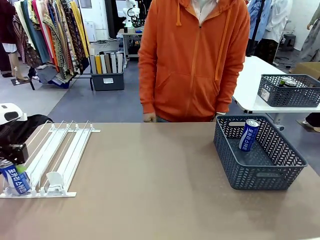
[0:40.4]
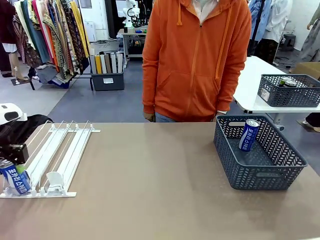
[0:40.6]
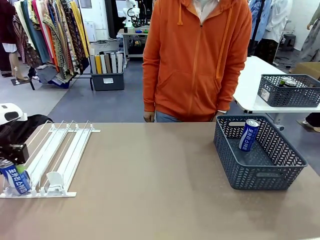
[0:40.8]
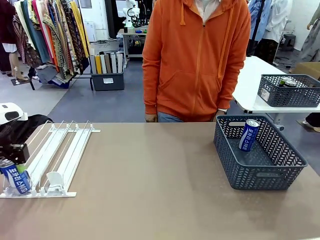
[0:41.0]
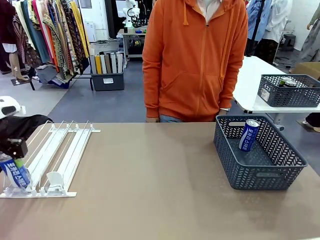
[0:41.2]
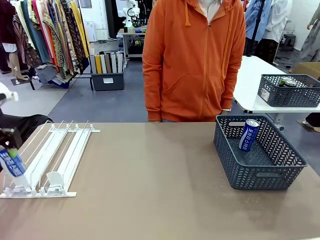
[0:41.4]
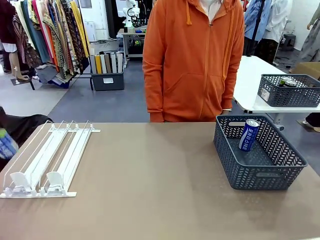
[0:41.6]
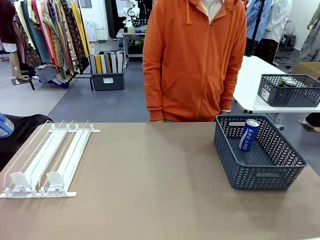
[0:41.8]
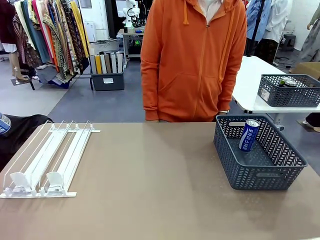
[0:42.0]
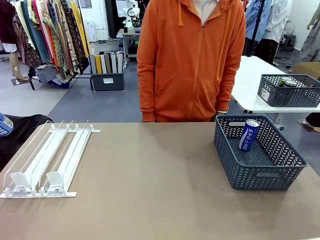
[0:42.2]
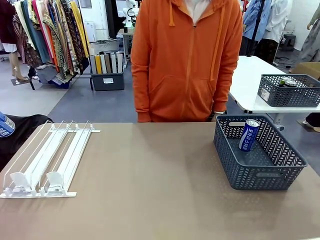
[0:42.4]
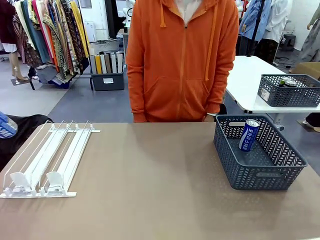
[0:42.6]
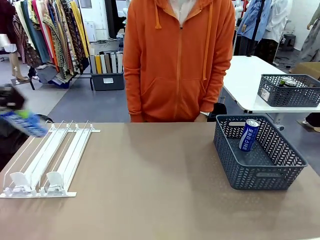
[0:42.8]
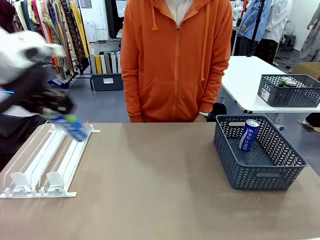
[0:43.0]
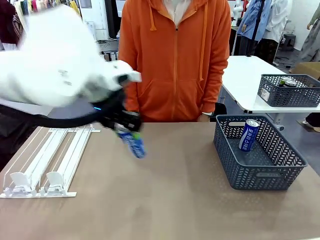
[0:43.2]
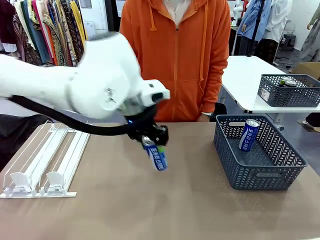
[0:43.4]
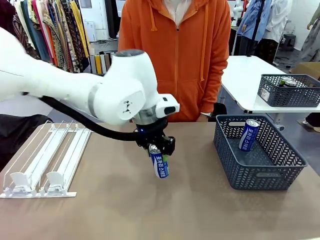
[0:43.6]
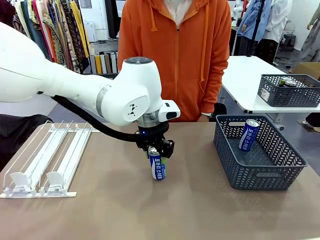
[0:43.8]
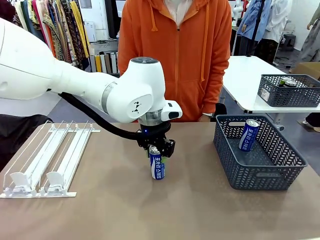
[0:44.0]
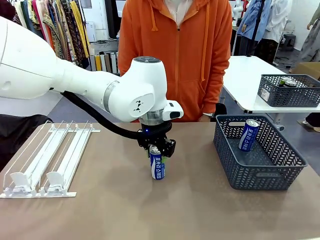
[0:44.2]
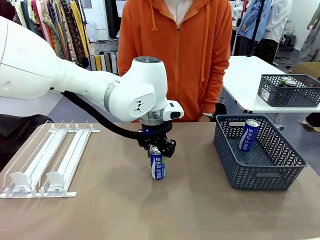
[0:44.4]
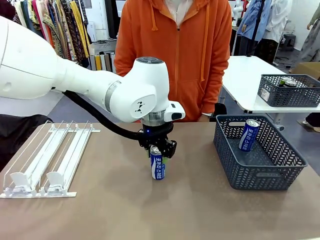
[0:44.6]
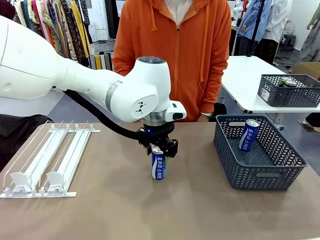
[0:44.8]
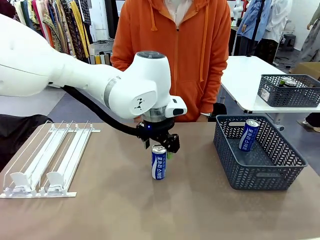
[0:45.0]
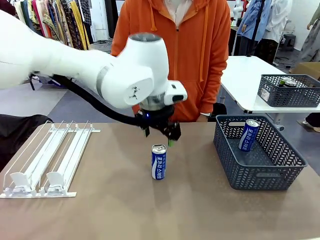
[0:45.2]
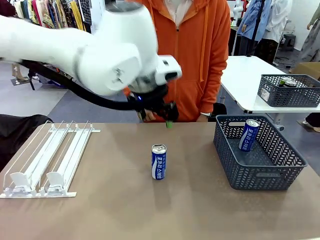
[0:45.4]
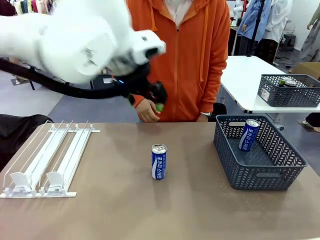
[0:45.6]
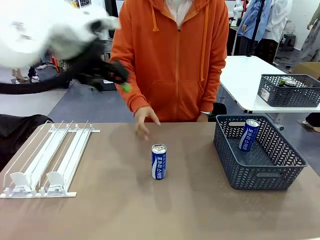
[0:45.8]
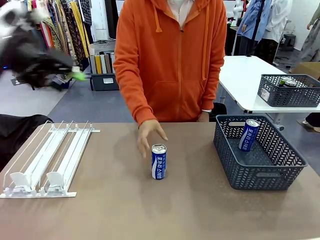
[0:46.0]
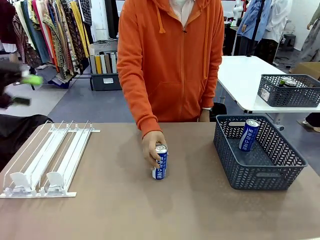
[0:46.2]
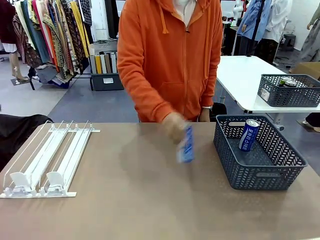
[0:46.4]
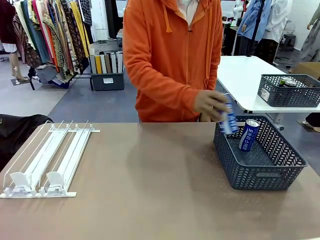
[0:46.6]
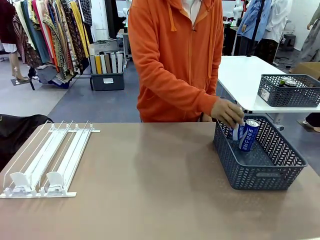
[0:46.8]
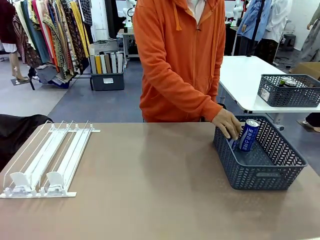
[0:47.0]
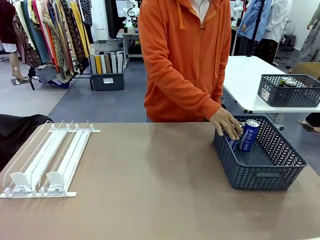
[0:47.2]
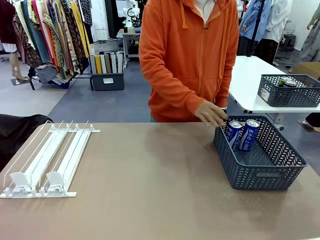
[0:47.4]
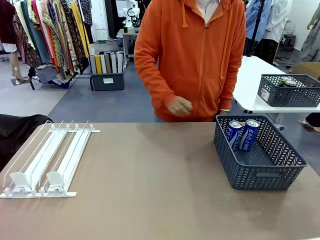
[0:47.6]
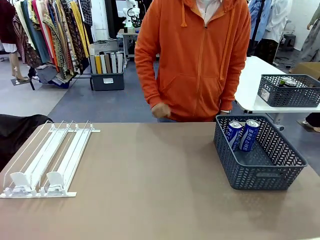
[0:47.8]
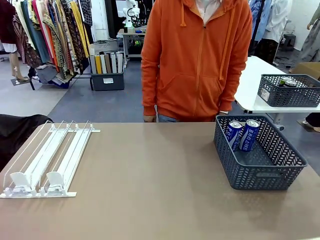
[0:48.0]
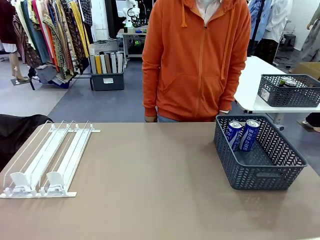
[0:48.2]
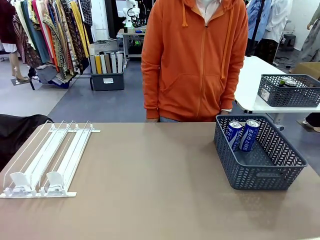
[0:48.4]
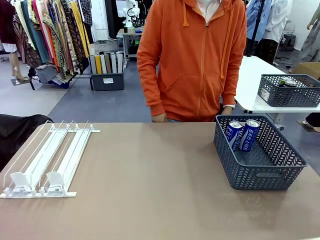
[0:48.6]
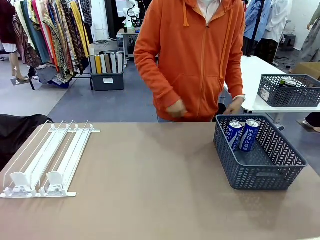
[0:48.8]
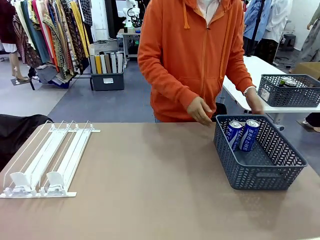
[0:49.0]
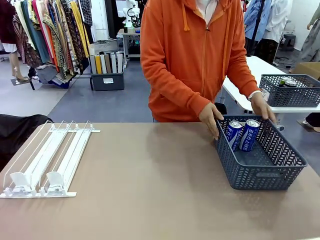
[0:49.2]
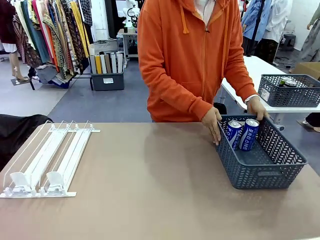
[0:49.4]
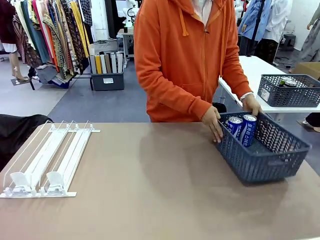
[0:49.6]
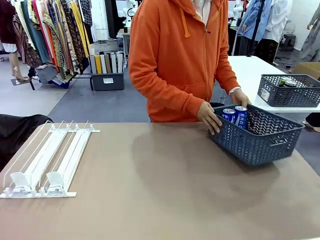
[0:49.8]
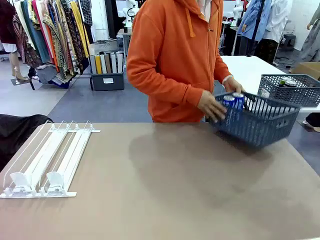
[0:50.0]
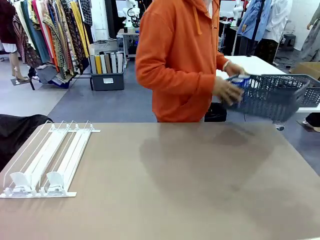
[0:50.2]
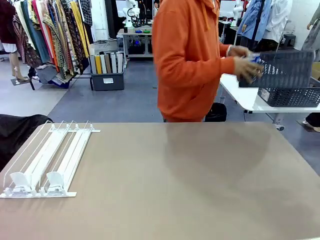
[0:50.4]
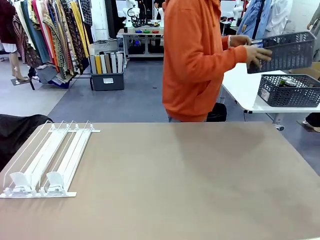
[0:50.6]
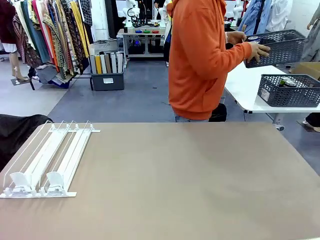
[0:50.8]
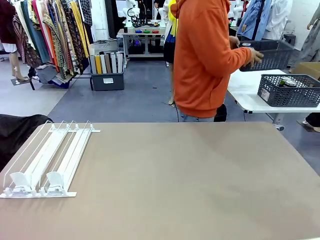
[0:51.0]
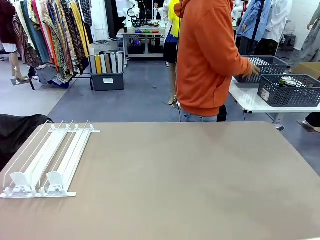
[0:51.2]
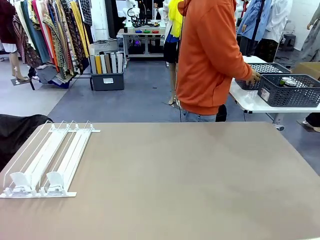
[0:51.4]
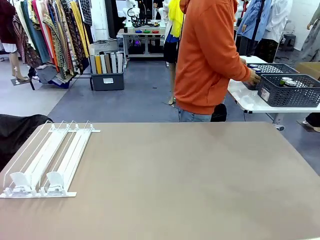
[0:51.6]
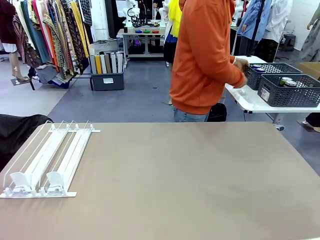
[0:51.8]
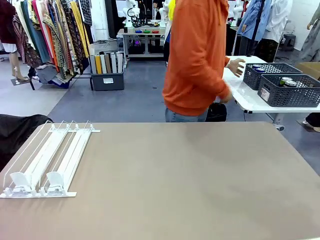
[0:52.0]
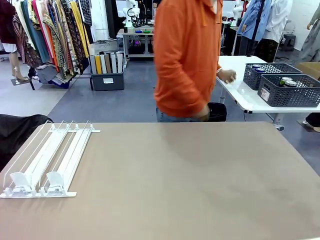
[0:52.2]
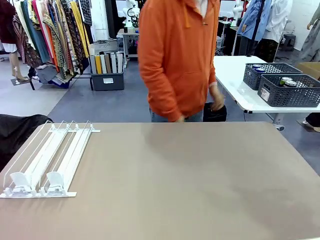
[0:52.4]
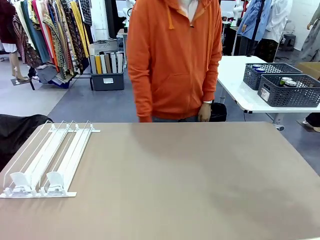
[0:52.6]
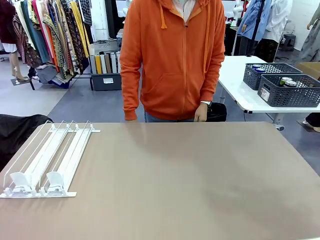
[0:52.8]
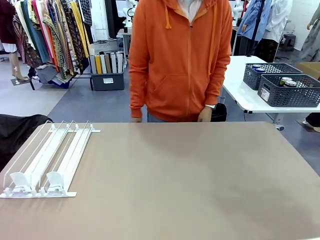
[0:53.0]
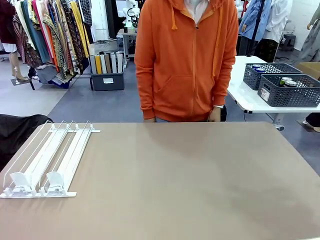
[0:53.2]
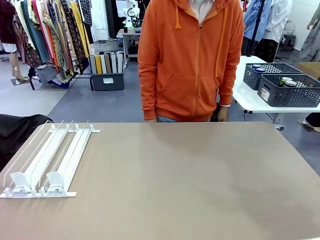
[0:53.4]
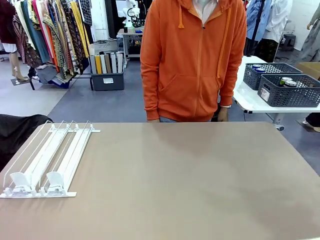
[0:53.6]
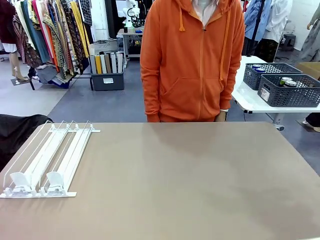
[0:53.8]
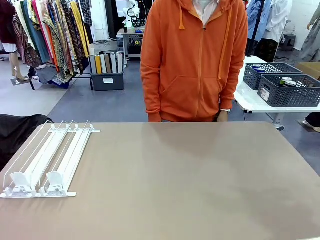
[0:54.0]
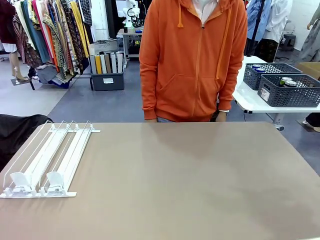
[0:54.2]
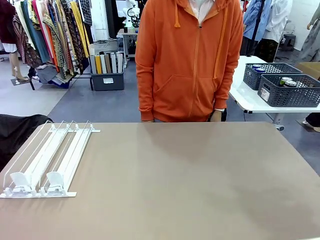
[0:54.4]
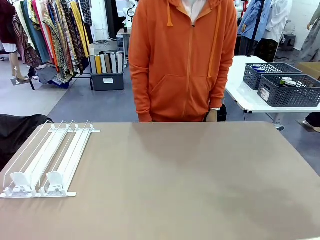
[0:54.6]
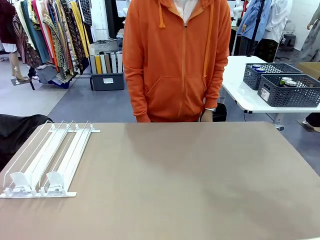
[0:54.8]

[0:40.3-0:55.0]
Task: Retrieve and store the cans from the dispenser.
Robot: Pick up one can from the Automatic Can Dispenser and place it in the middle of the table.
Person: Pick up one sports drink can from the middle of the robot table and place it in the basket. Pick up the basket and place it in the middle of the human table.

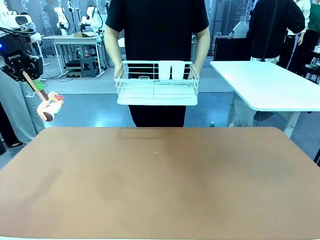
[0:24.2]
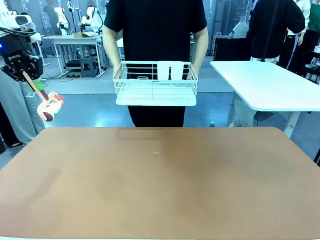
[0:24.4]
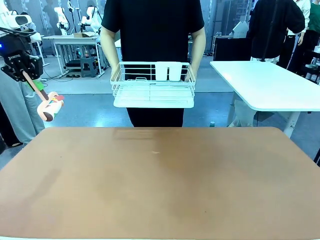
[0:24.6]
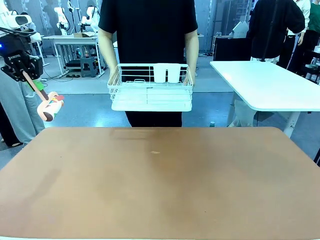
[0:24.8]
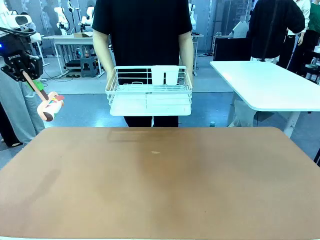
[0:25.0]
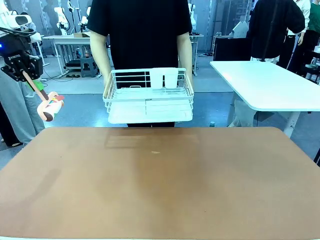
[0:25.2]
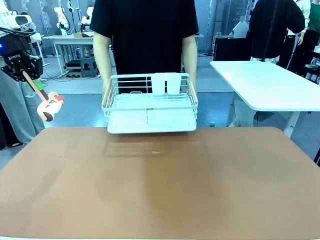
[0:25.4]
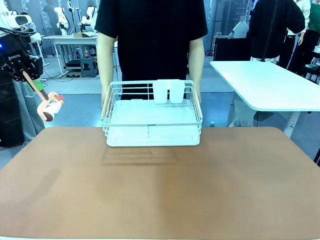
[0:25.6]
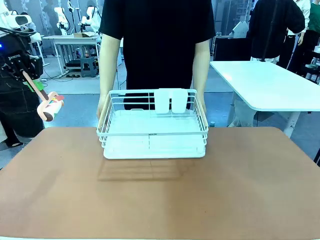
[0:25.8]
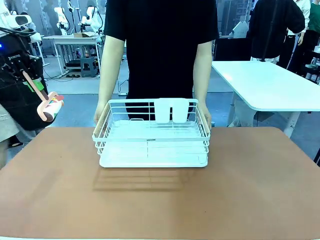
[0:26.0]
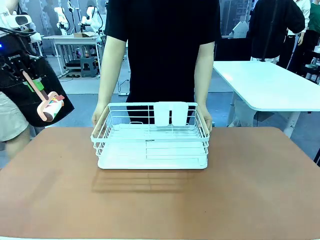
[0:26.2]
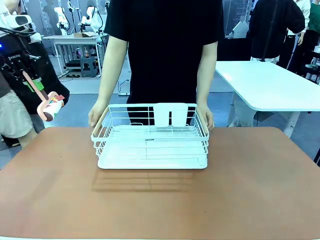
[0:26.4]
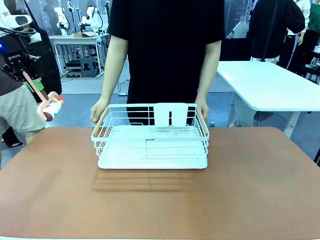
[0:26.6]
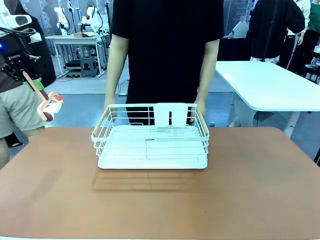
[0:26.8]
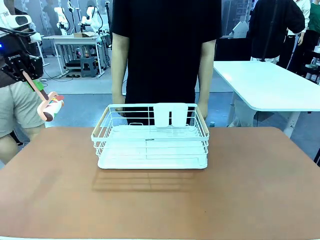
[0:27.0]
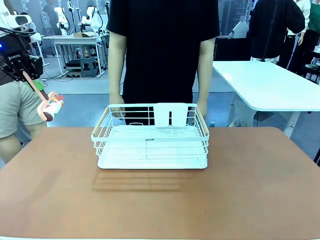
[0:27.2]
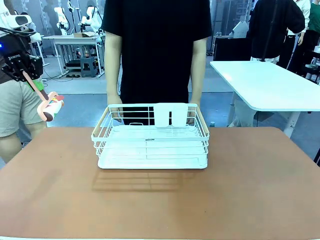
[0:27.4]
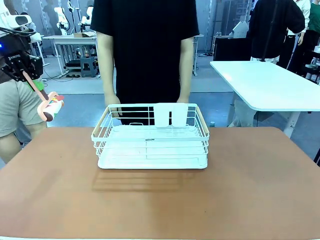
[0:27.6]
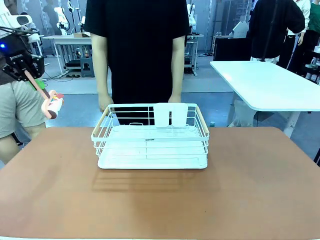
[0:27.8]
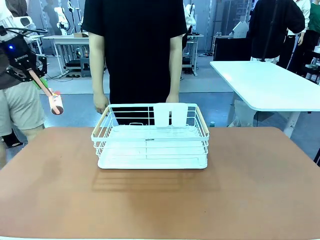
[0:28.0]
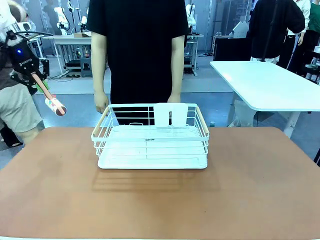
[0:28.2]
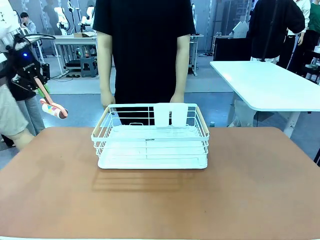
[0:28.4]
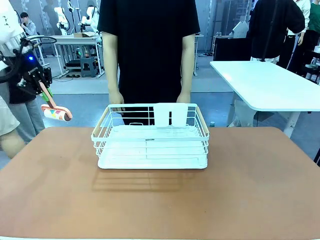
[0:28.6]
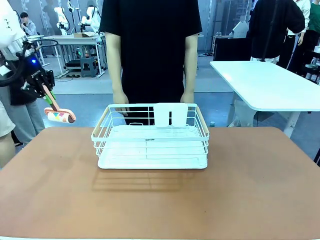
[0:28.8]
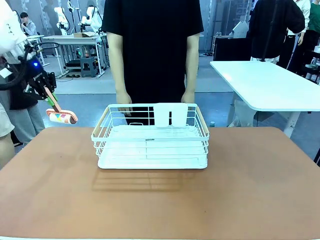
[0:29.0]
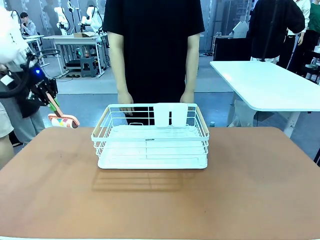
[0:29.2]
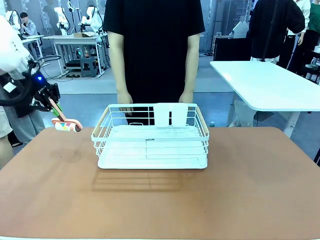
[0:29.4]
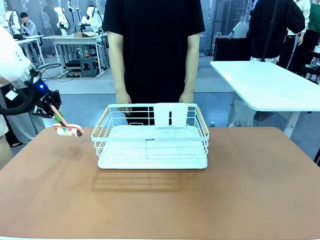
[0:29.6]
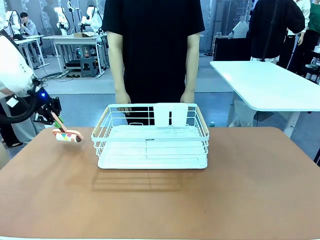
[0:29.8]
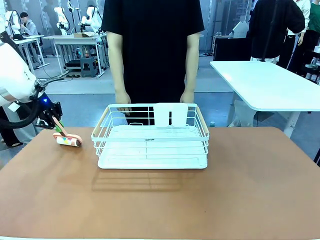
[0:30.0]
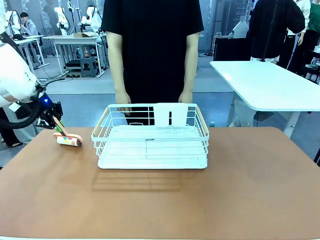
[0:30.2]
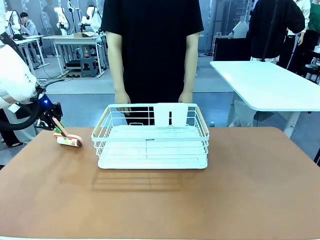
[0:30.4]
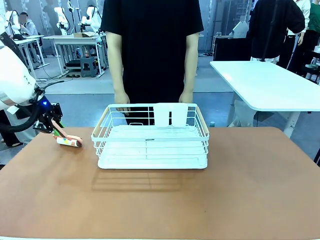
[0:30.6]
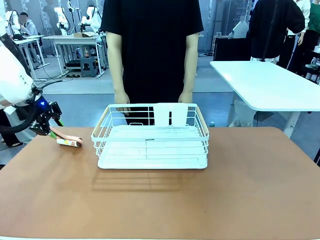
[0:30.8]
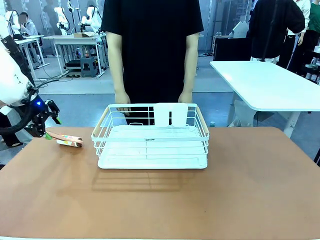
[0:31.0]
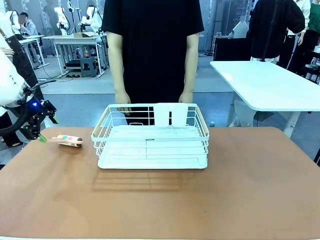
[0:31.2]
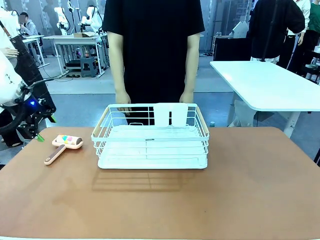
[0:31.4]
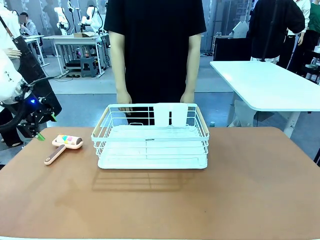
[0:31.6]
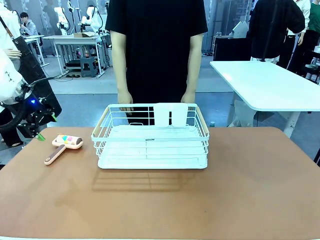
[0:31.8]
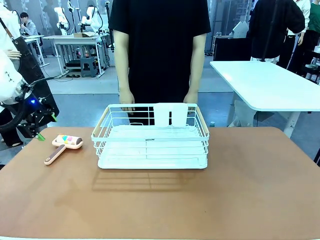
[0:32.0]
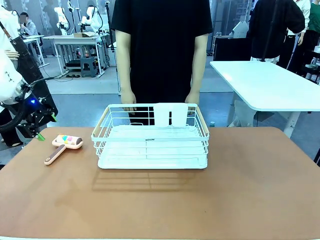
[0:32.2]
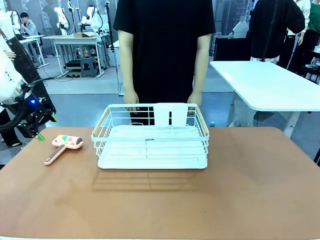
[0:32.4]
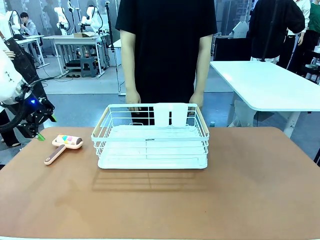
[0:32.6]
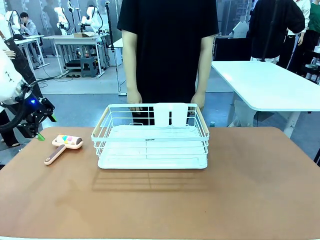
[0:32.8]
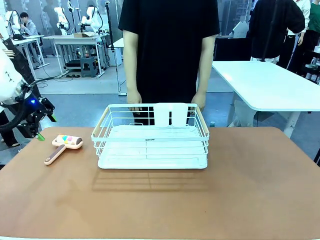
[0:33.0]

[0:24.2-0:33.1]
Task: Clean the table.
Robot: Place the Lint Roller down when the Dish drying rack is positioned in the middle of the table.
Person: Place the Dish drying rack down when the robot finishes cleaning.
